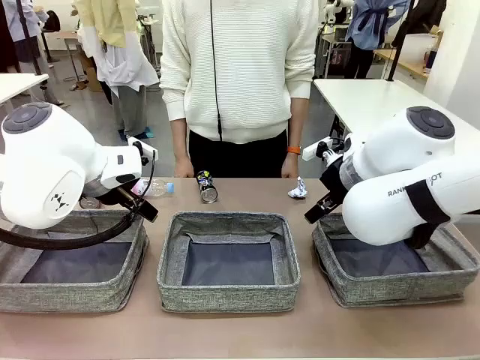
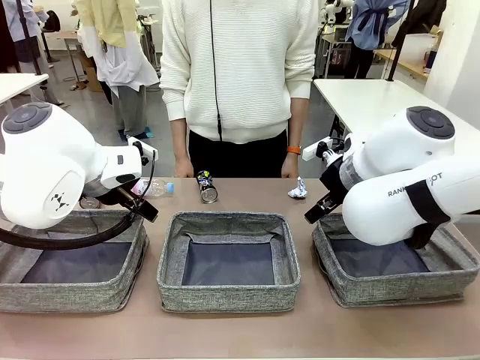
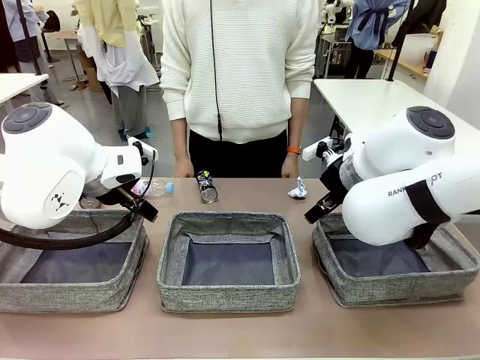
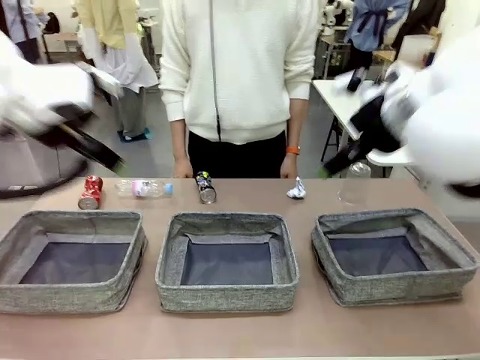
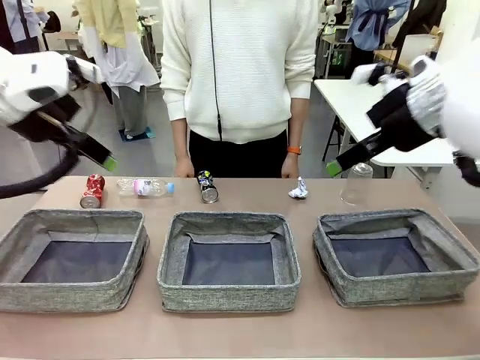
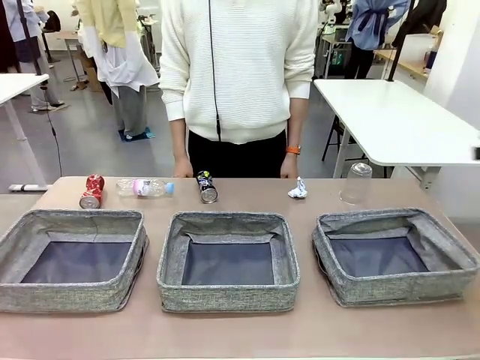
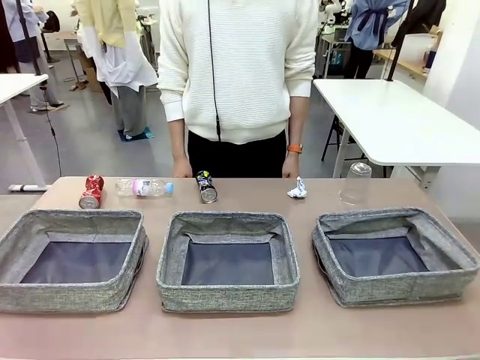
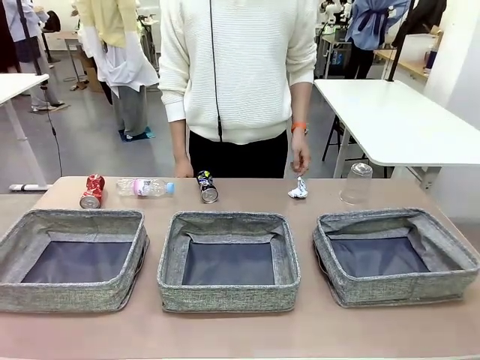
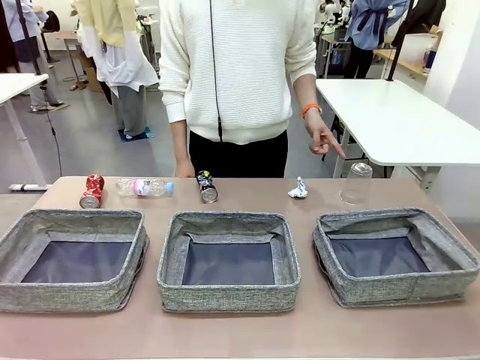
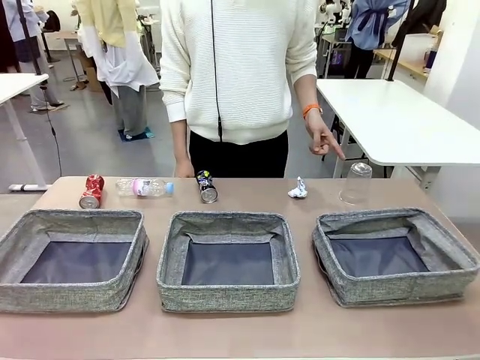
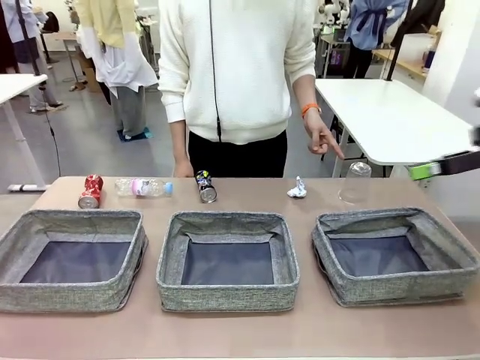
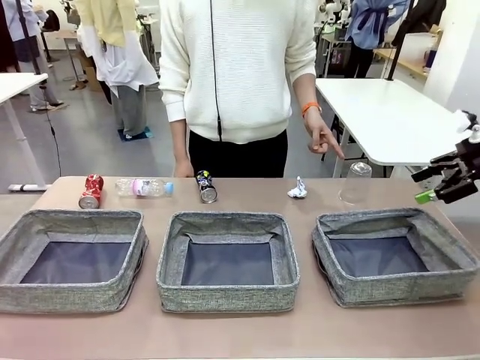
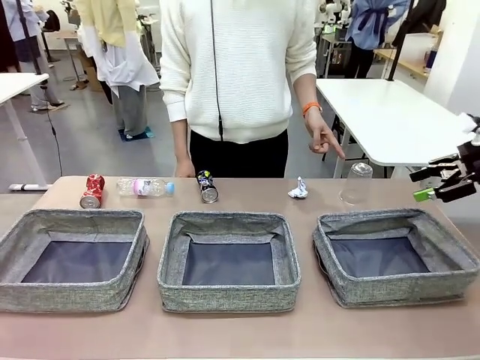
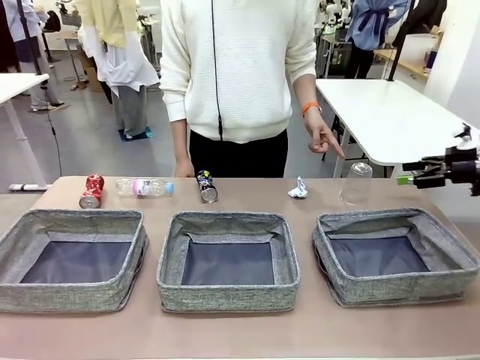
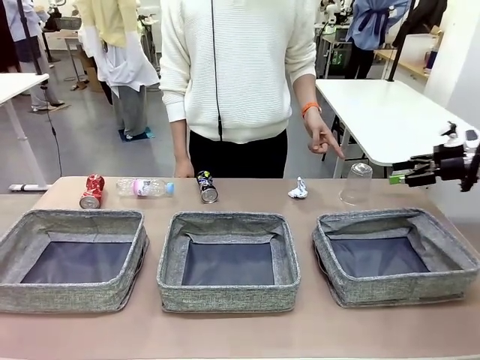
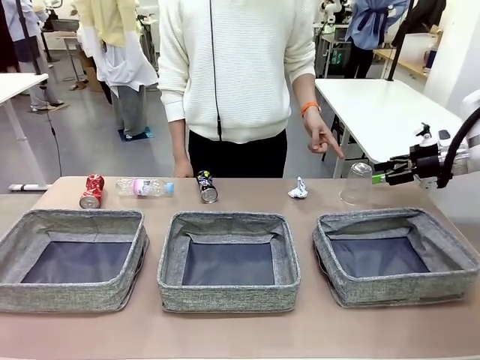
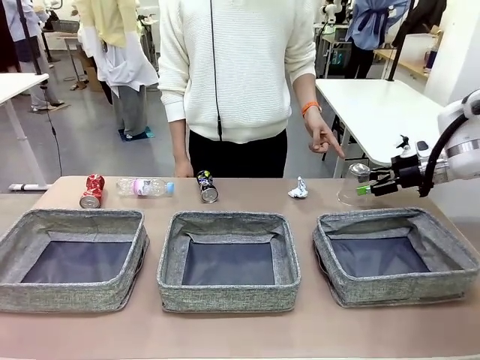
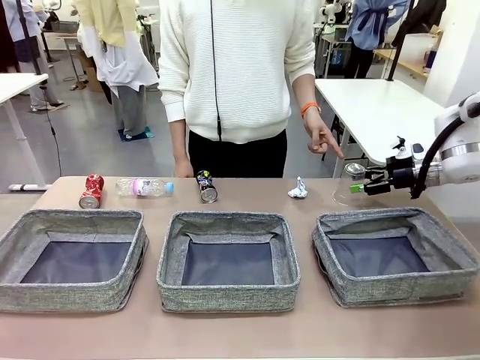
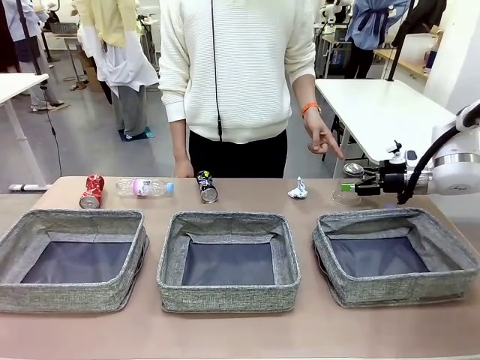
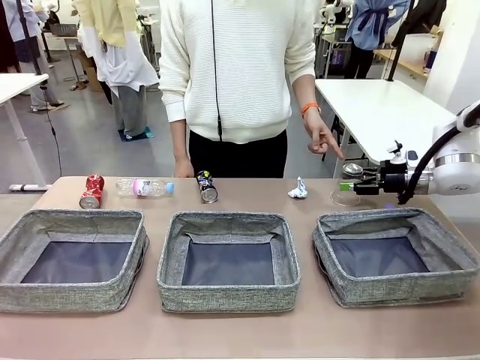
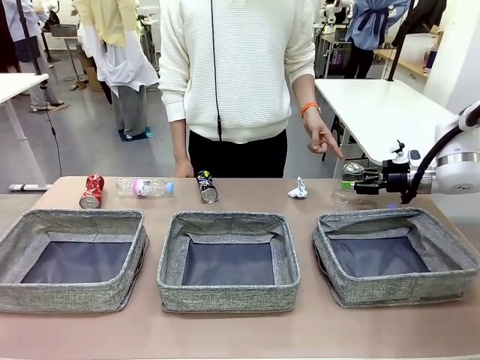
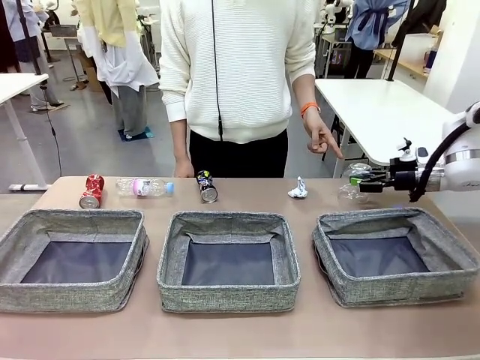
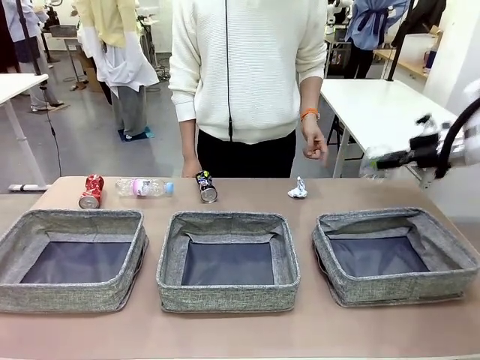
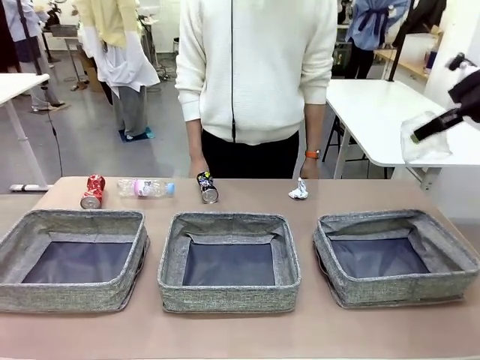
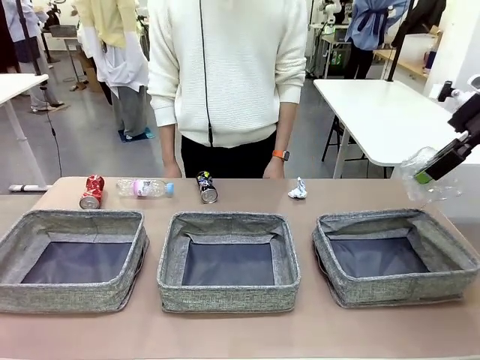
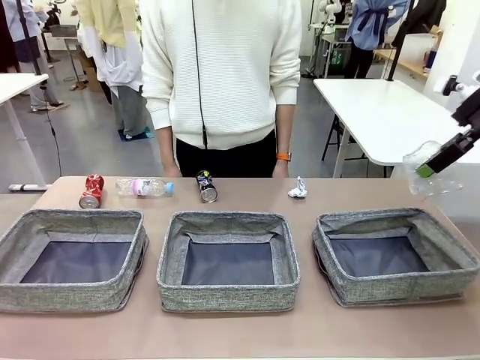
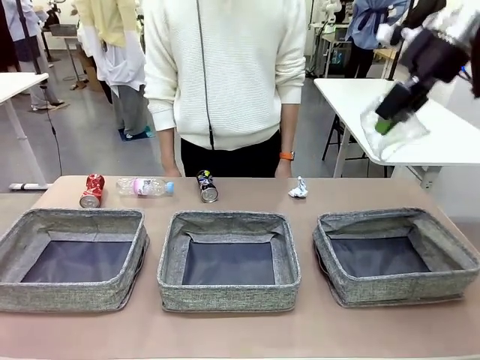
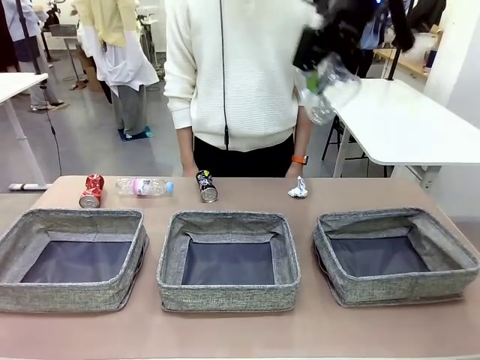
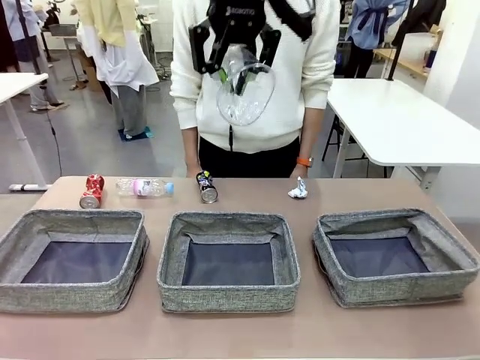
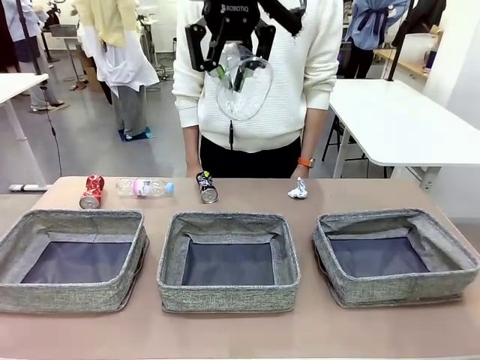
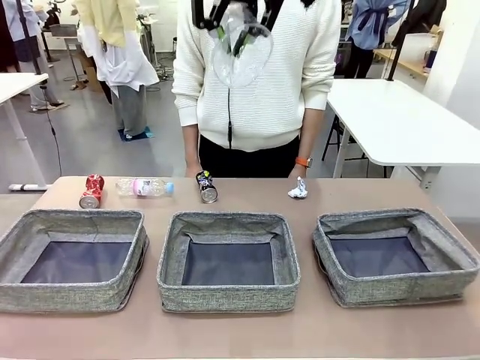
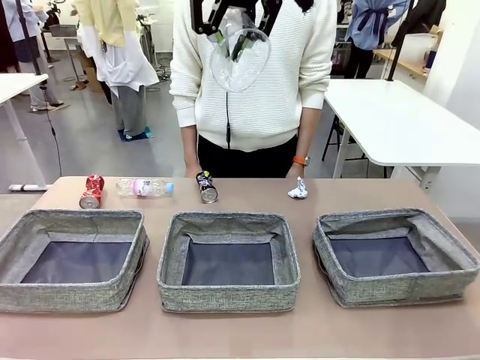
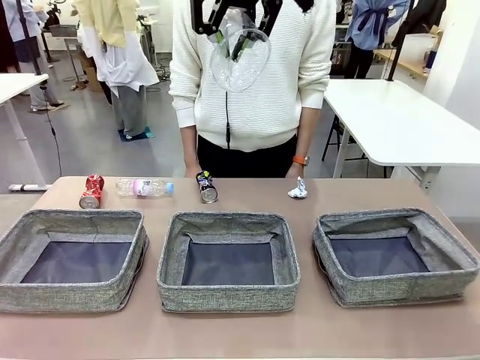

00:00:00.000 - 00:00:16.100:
Task: Sort the waste into the appropriate baskets.
Robot: Pick up the waste item pointed out by the person.
Person: Points to one piece of trash on the table.

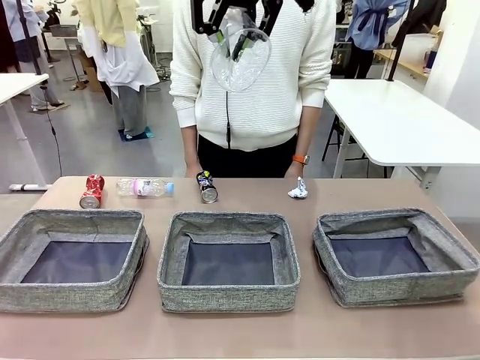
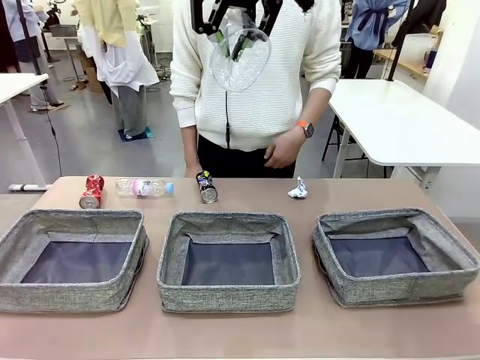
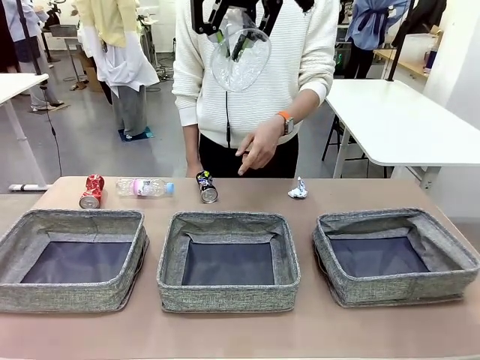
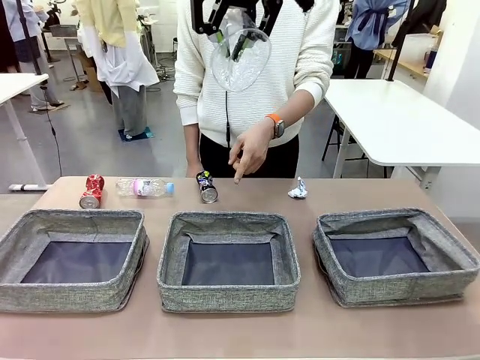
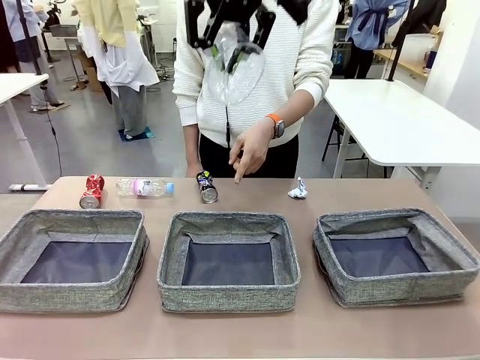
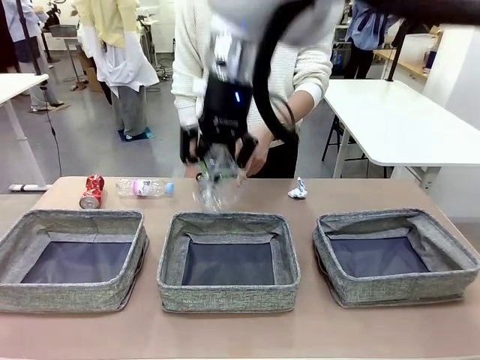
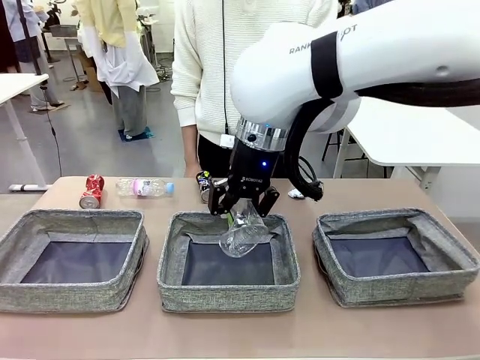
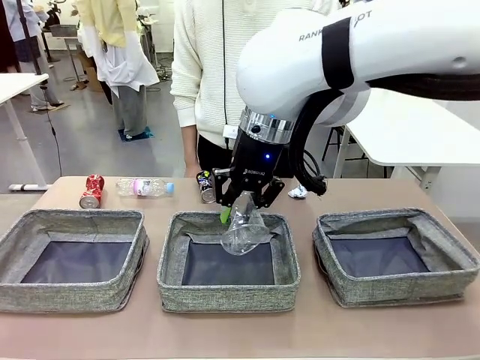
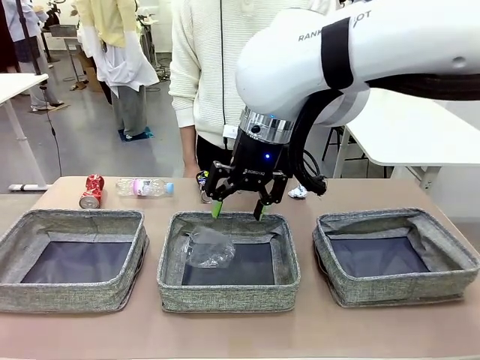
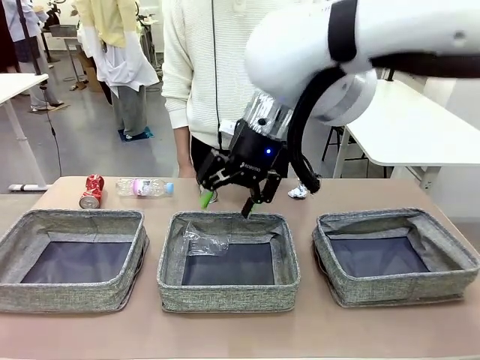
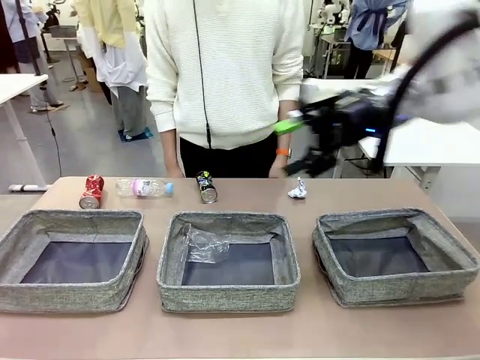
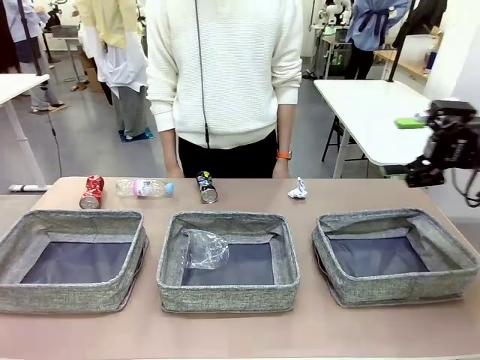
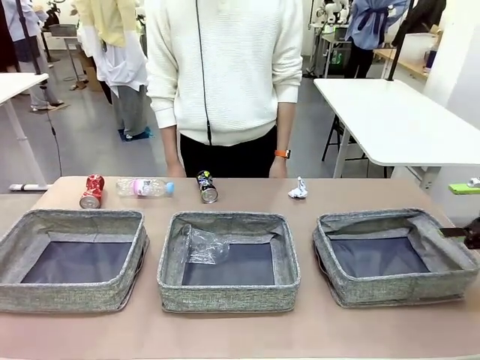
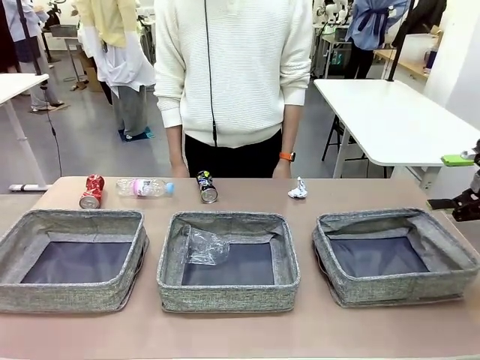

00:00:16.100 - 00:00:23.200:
Robot: Place the picked waste into the Fabric basket indicated by the person.
Person: Instructs the robot to place the picked-up trash into the appropriate organizing basket.

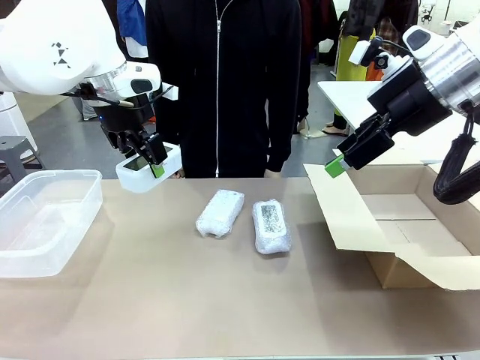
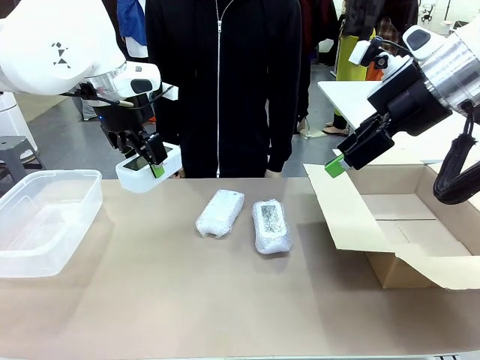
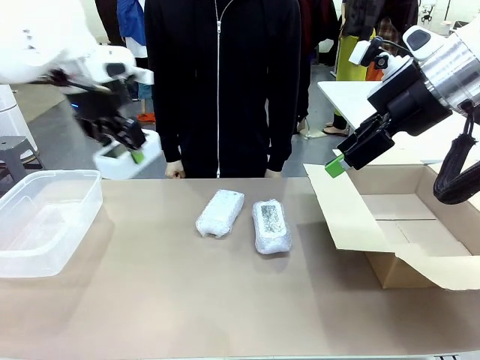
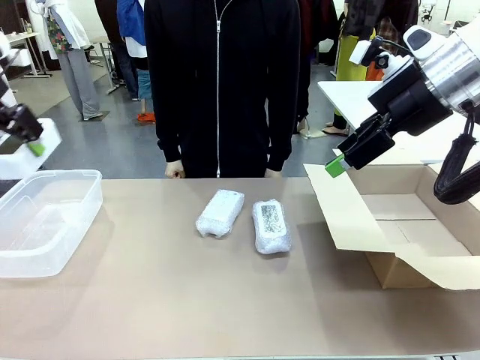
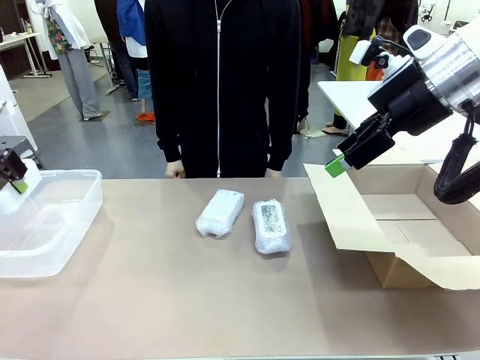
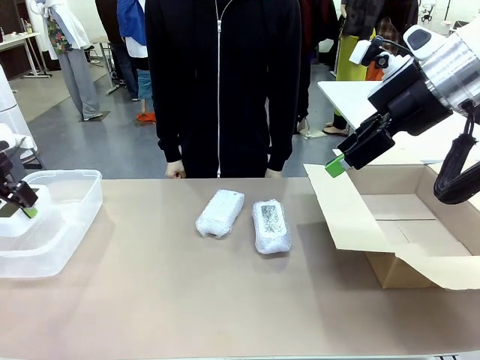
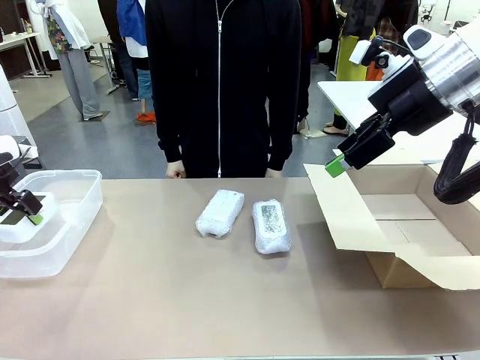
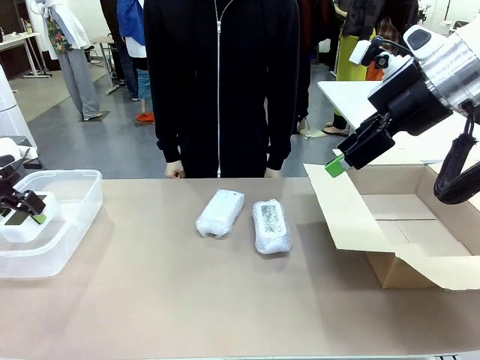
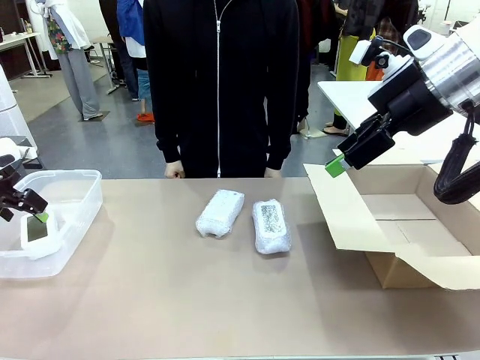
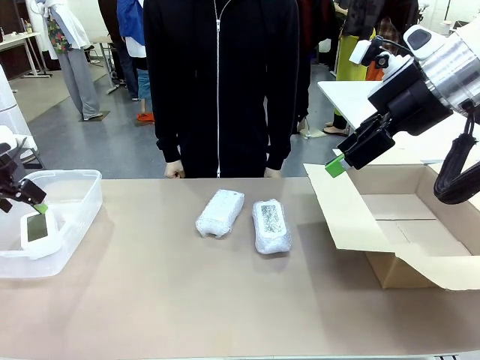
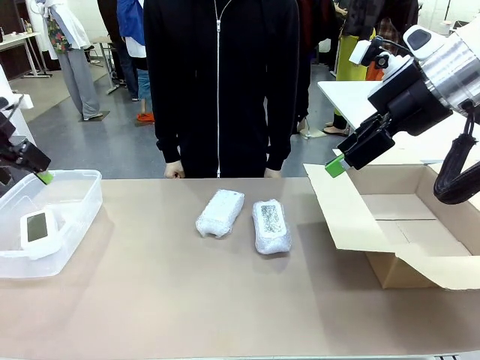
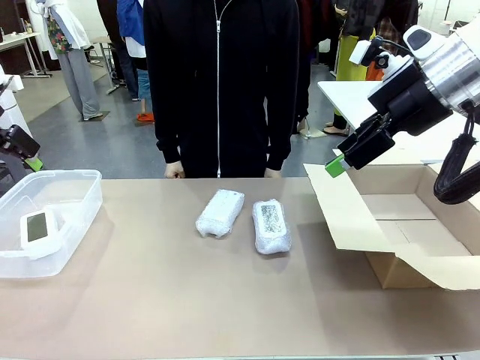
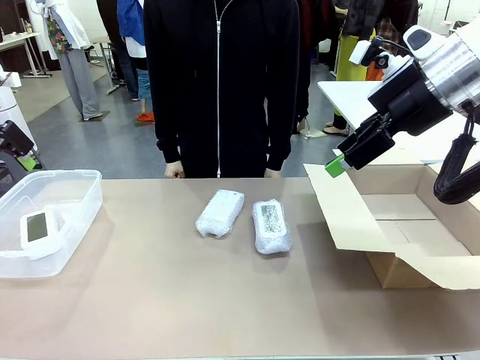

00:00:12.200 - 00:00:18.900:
Task: Separate and place wrapped and unwrapped clocks.
Robot: If the picked Digital clock is wrapped, place it in the Package Box ; if not, place it in the Organizing box.
